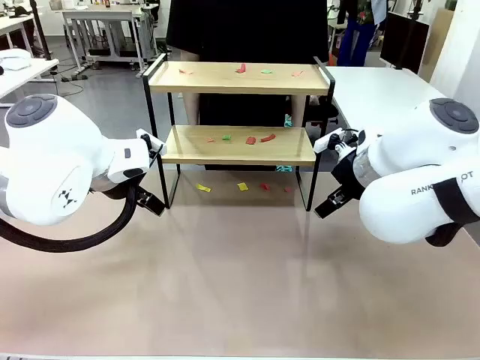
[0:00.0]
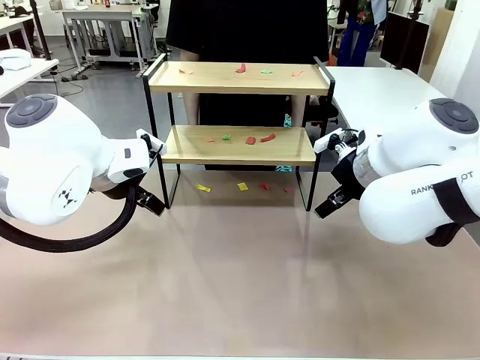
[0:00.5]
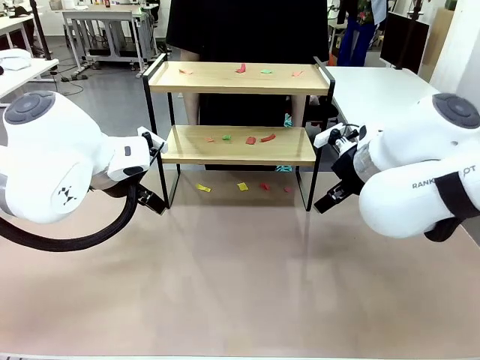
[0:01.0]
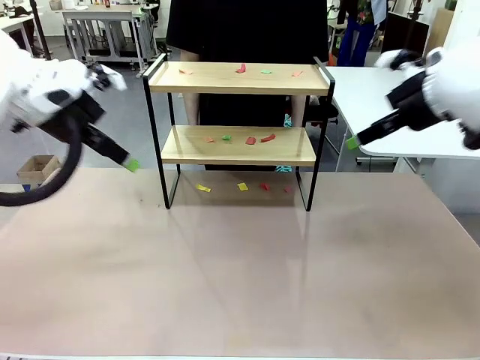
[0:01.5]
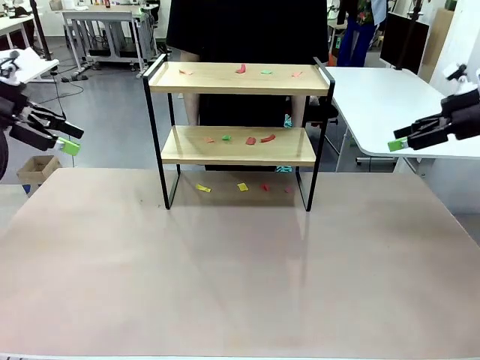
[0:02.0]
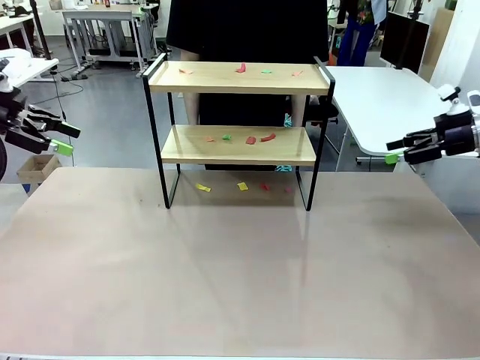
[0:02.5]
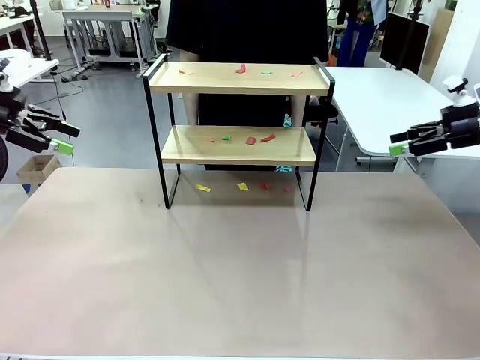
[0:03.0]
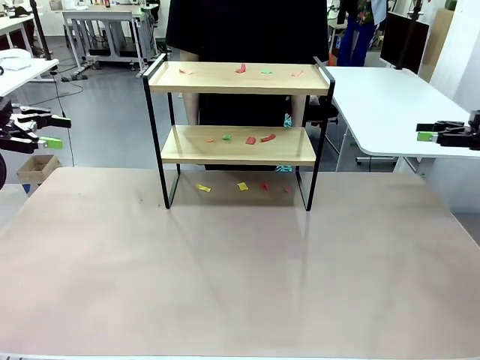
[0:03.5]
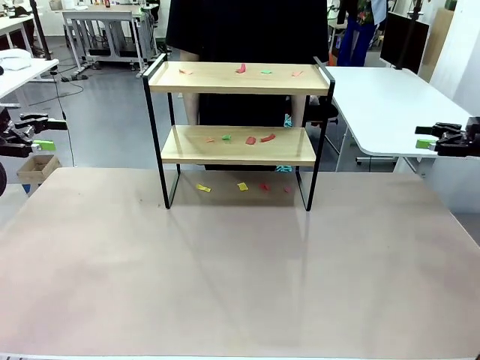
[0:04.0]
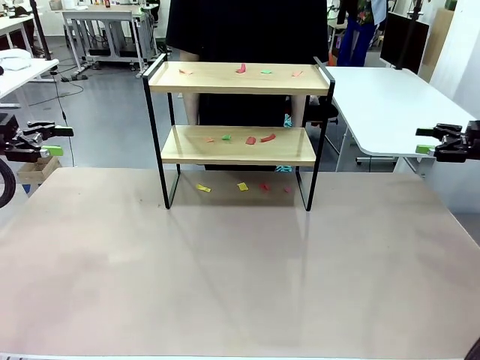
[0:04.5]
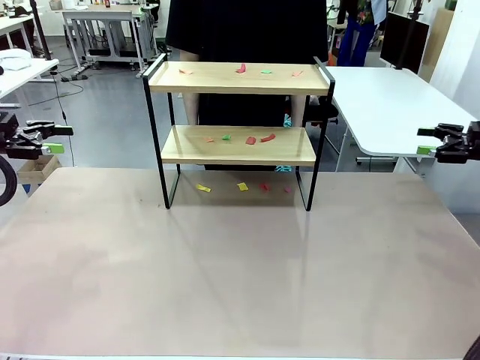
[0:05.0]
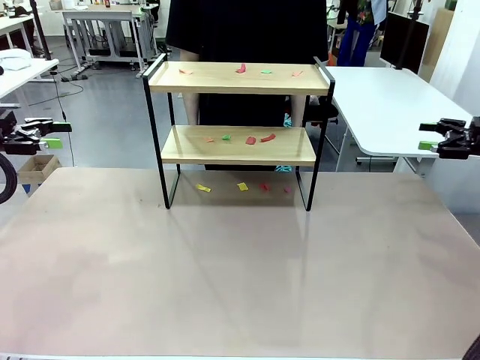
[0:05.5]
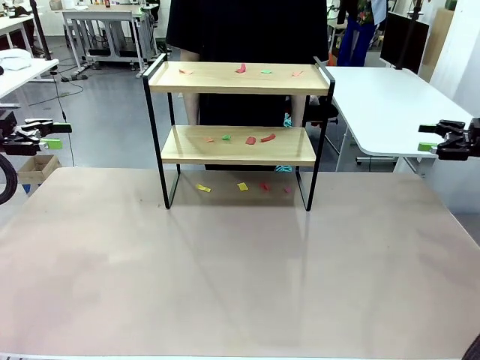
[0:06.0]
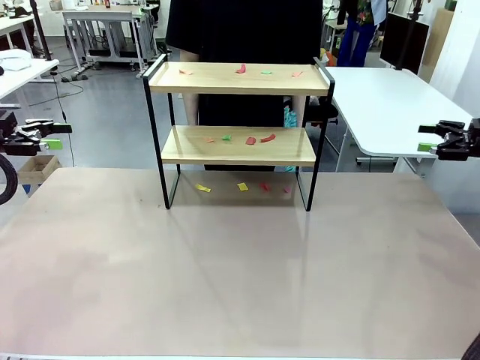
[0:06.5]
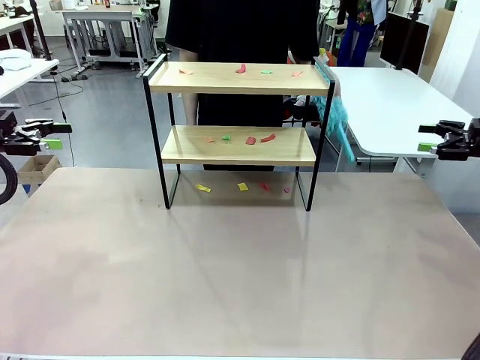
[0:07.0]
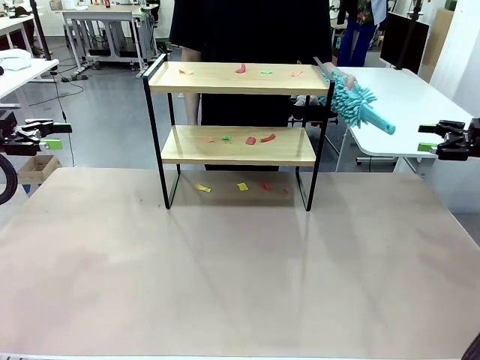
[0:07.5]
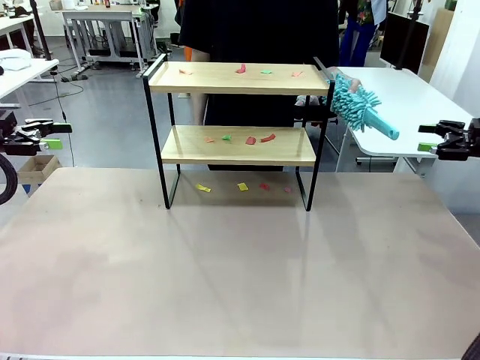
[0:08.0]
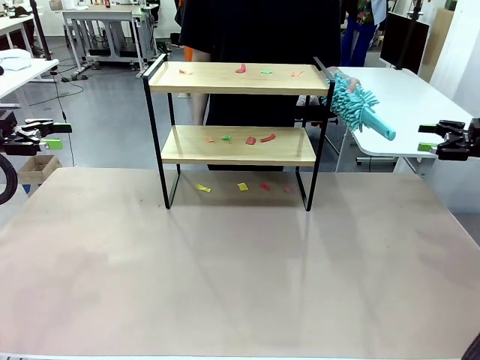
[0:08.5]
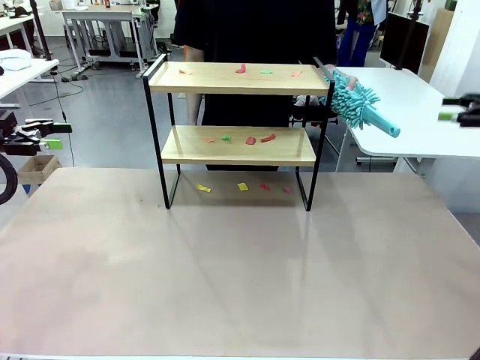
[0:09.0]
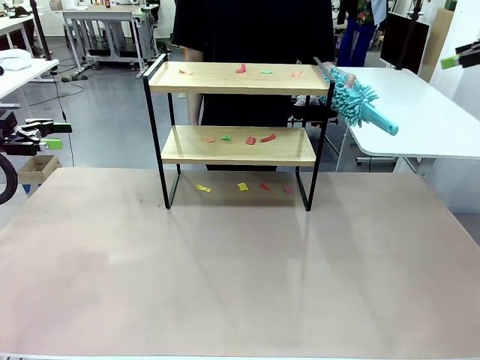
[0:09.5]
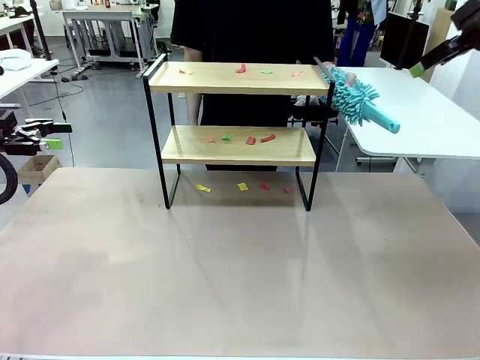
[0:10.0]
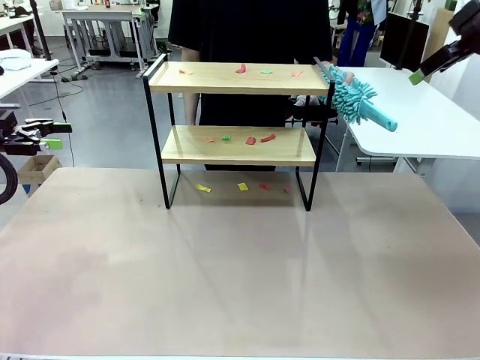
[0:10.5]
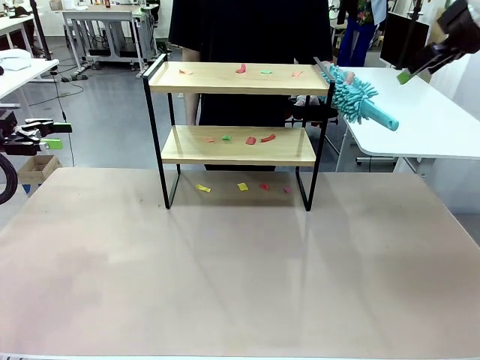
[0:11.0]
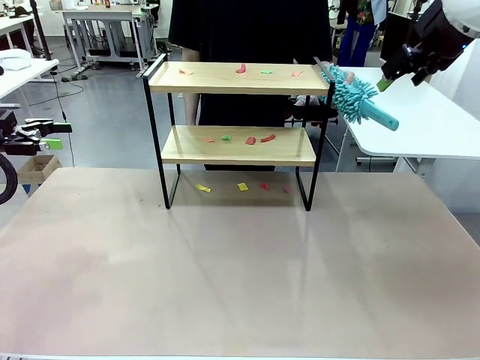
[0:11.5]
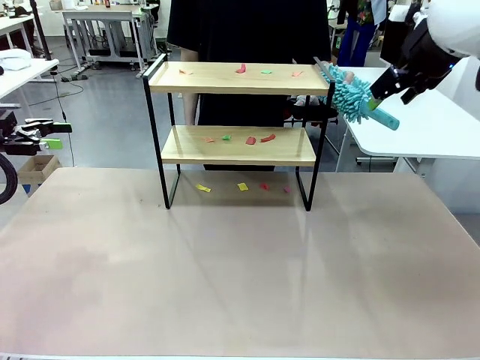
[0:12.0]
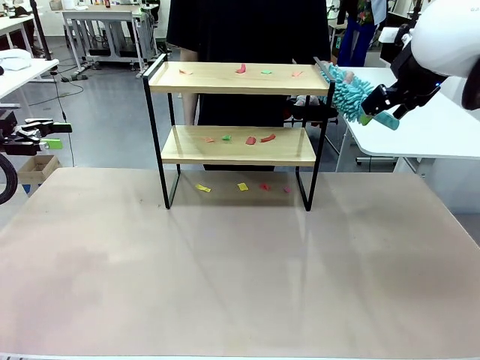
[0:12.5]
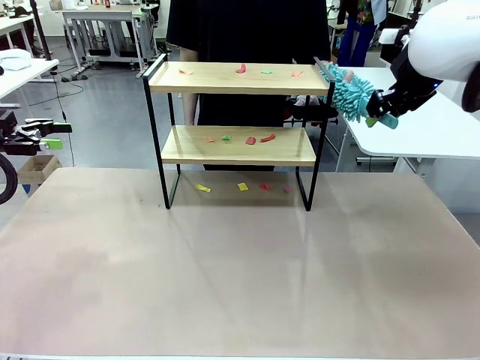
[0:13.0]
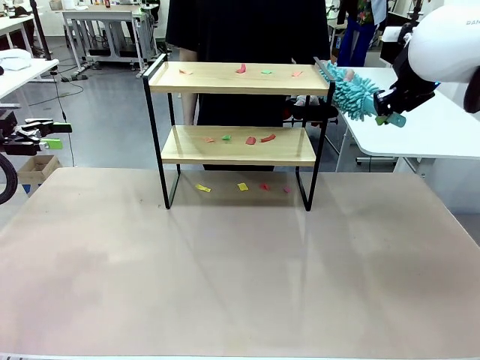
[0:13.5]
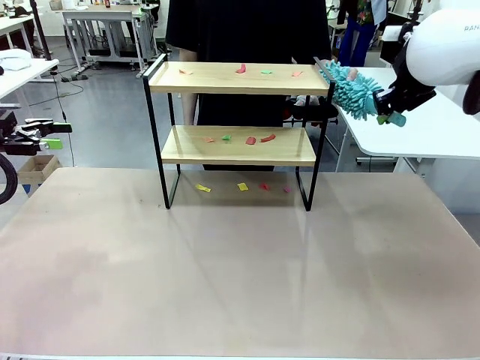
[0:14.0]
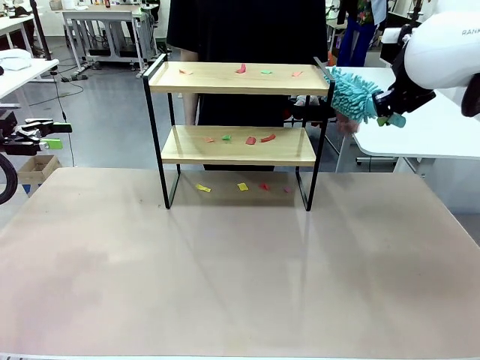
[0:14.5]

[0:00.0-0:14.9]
Task: Clean the shelf.
Robot: Pick up the Duster handed by the human.
Person: Hand the Duster to the robot.

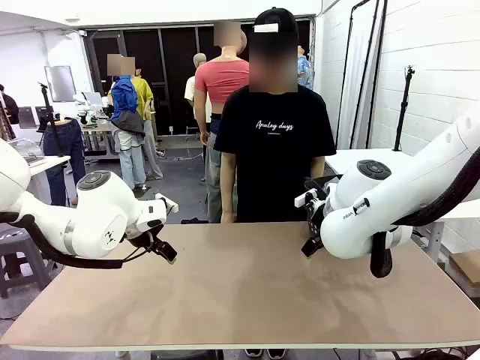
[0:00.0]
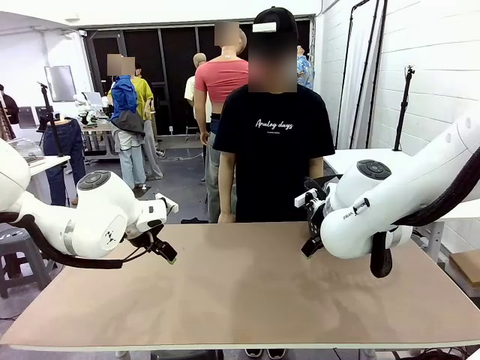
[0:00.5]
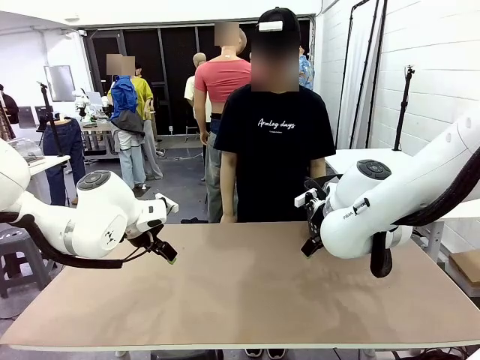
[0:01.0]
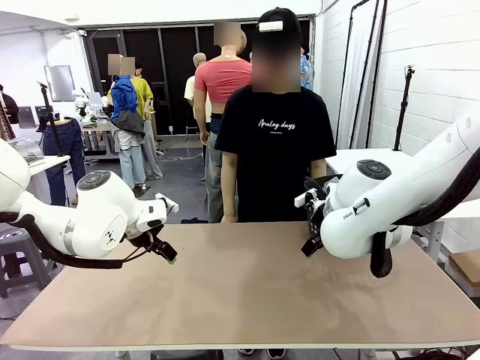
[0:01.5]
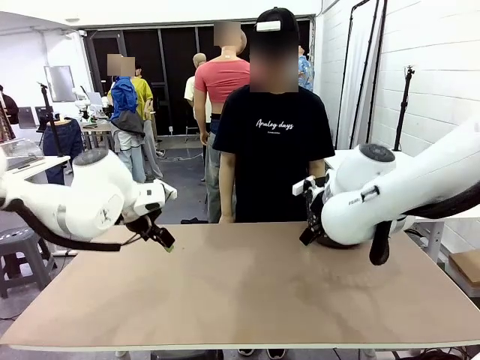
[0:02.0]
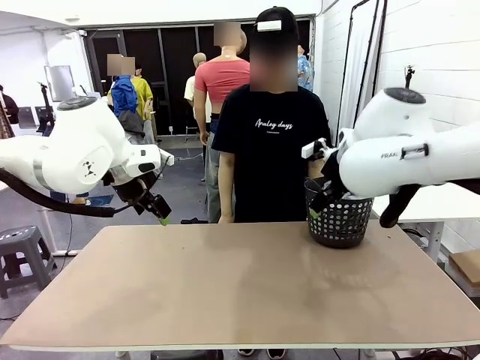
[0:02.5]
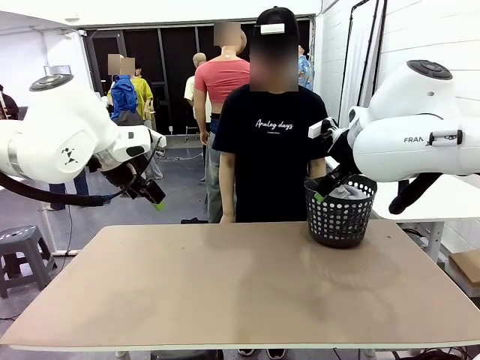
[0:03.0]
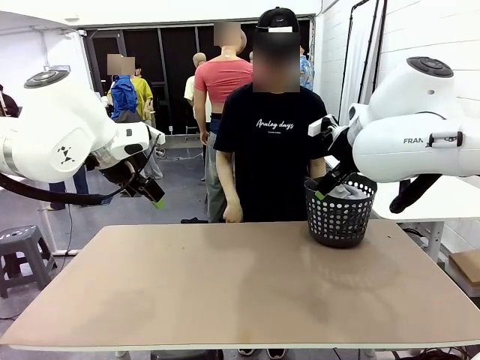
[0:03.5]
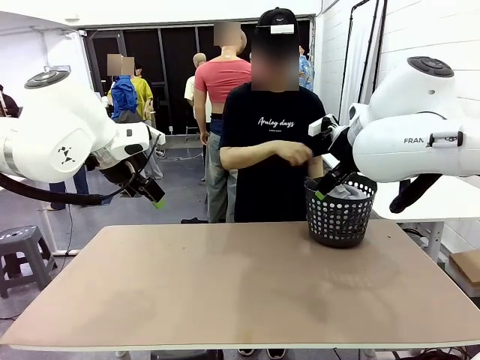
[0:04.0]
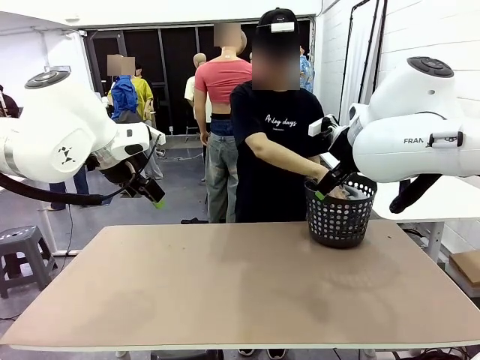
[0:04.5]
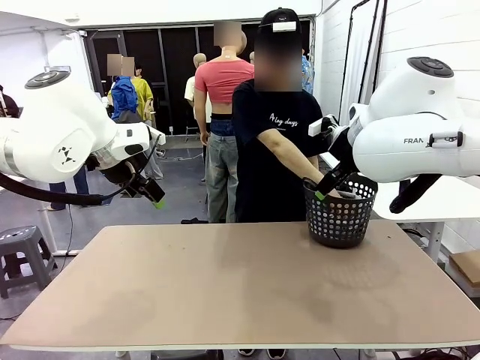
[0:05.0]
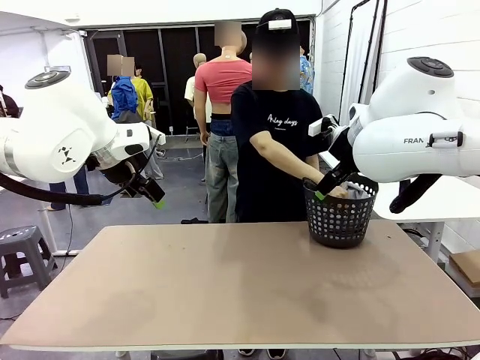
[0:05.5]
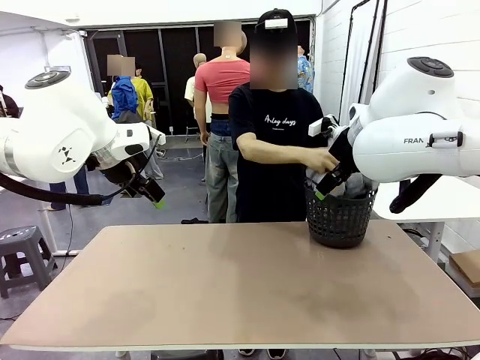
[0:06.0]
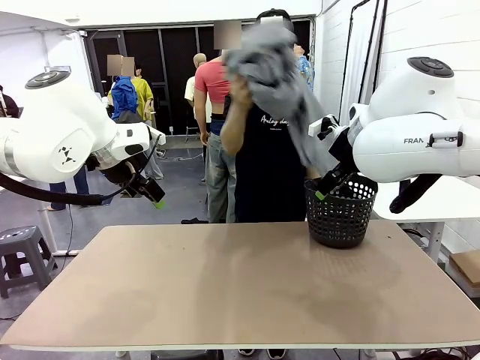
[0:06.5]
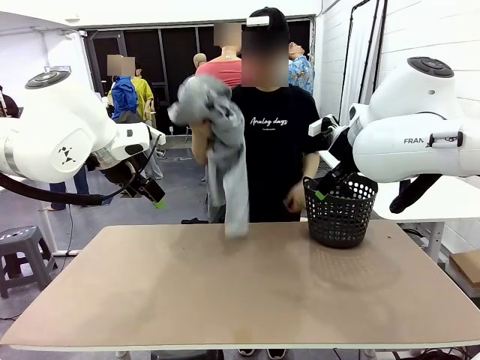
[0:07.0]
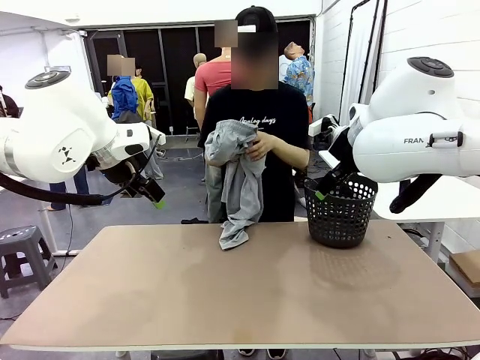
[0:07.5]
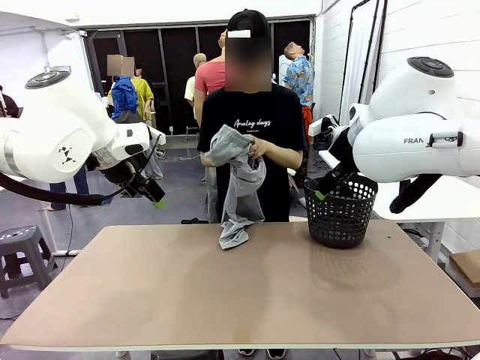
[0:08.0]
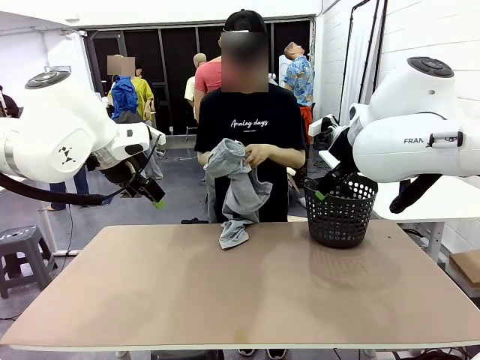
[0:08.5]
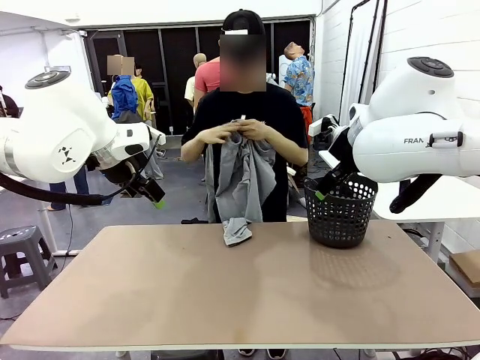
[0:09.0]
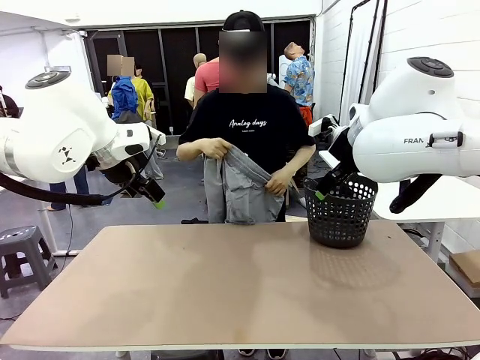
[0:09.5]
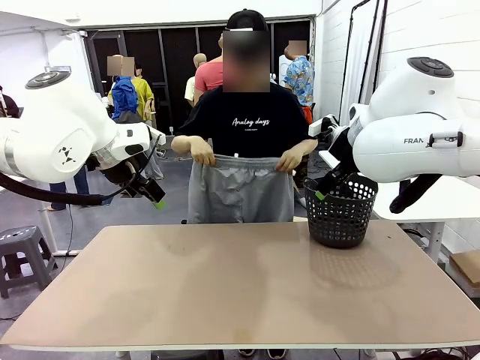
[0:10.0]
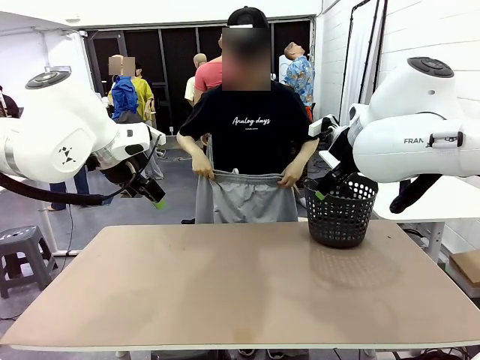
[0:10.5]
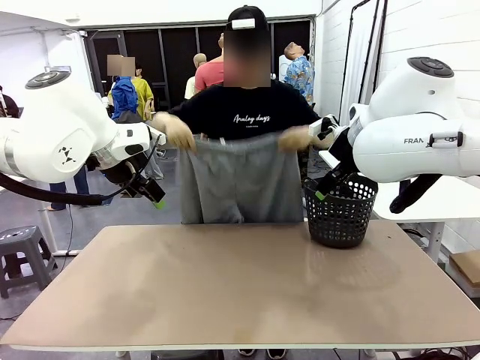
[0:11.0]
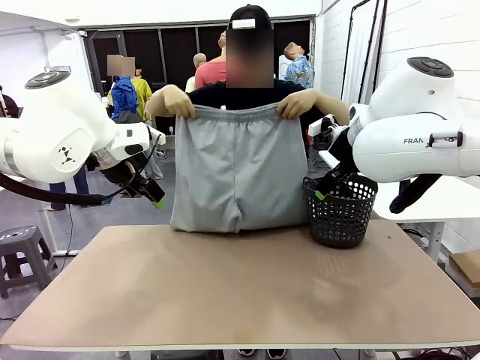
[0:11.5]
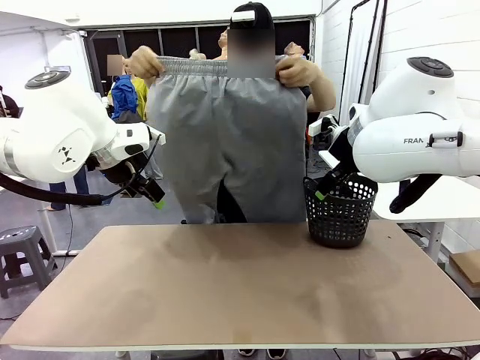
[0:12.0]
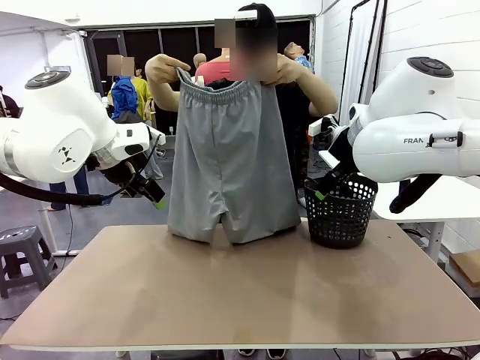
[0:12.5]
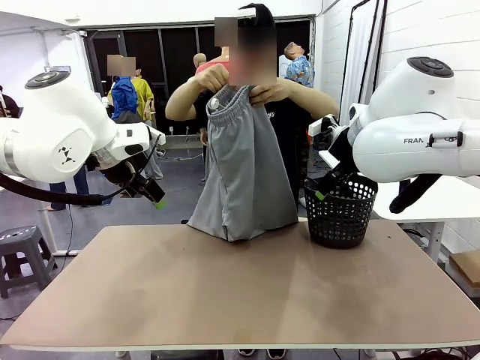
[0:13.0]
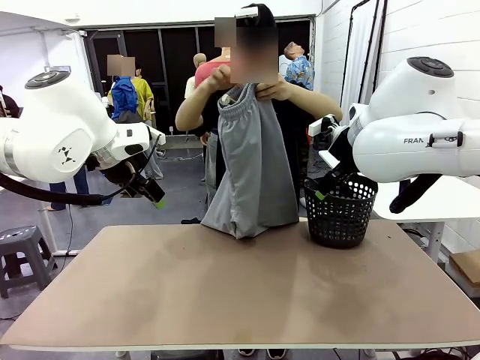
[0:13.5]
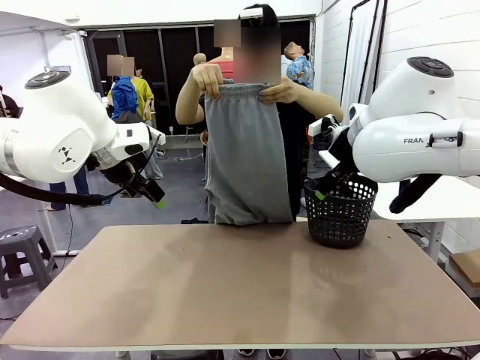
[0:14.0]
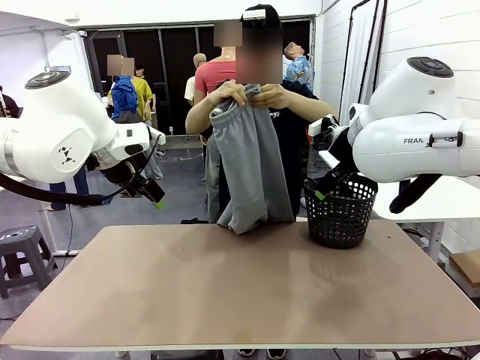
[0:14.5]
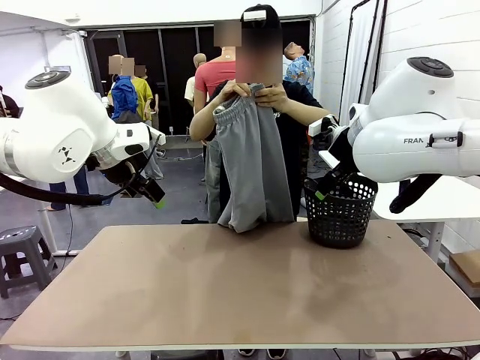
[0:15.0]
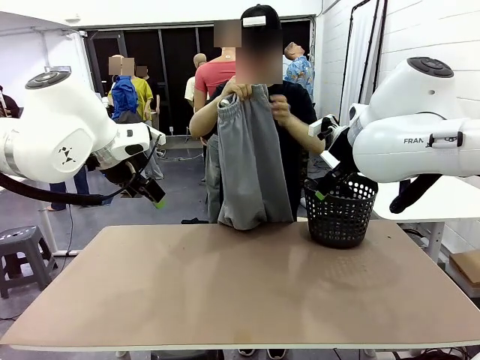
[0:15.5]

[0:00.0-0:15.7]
Task: Fold the training pants.
Robot: Grab both ends of the Training pants handed by a person.
Person: Take the long pants out of the laundry basket, unfold them, fold the waist in half, and extend them so the robot can pick up both corners.
